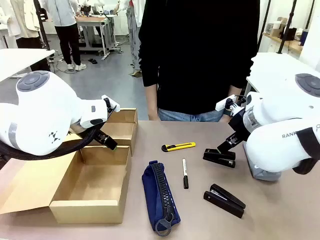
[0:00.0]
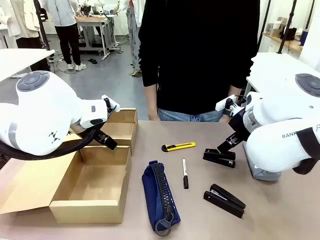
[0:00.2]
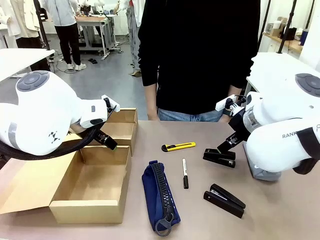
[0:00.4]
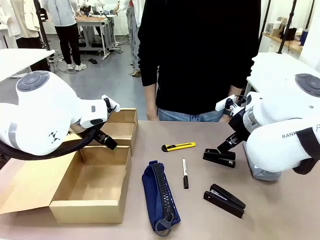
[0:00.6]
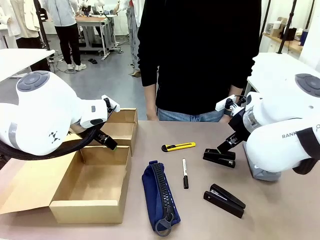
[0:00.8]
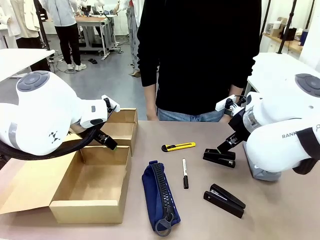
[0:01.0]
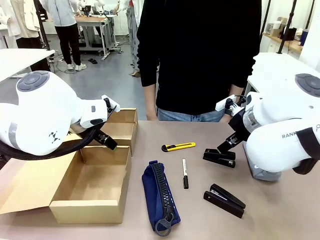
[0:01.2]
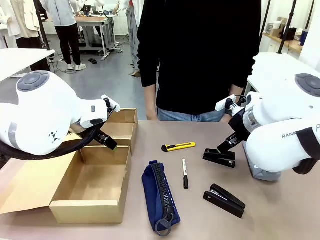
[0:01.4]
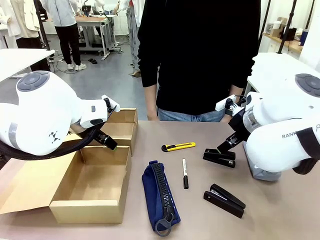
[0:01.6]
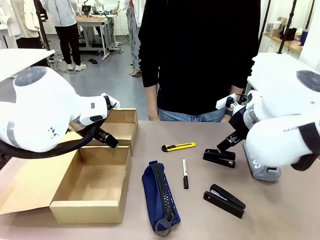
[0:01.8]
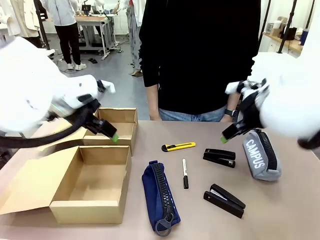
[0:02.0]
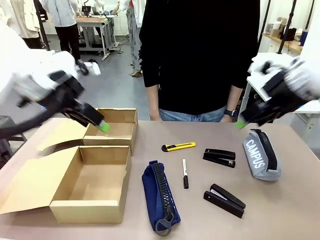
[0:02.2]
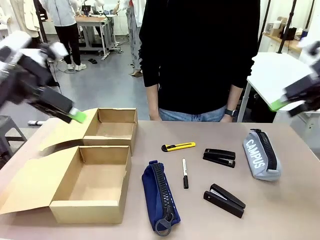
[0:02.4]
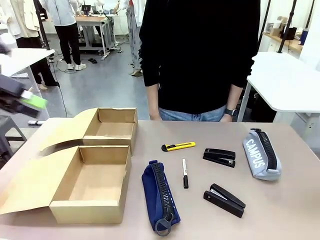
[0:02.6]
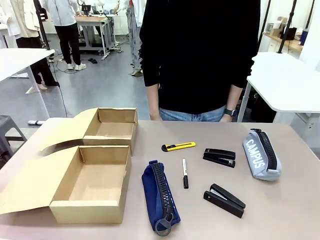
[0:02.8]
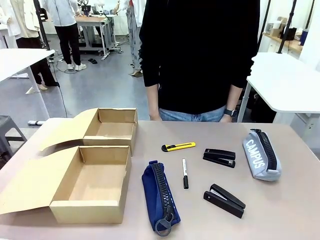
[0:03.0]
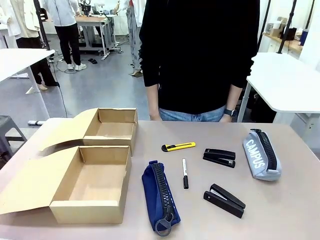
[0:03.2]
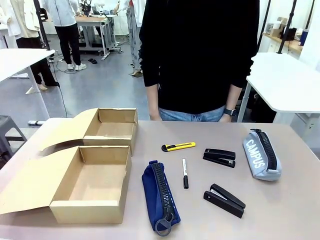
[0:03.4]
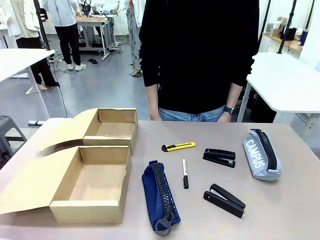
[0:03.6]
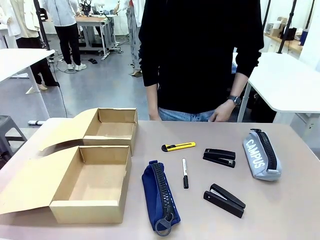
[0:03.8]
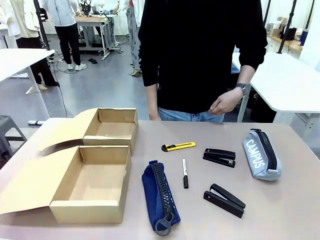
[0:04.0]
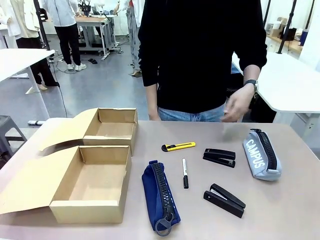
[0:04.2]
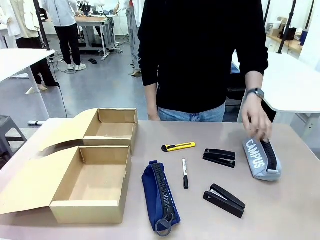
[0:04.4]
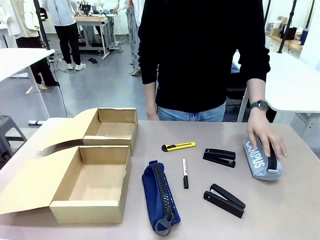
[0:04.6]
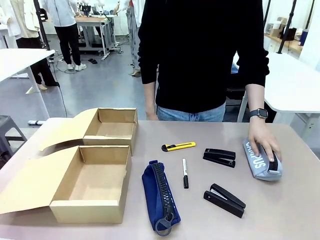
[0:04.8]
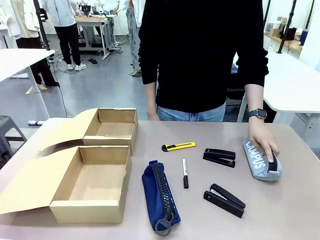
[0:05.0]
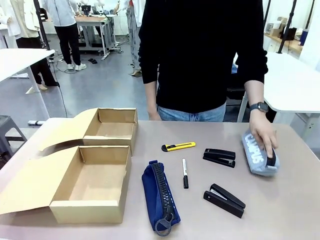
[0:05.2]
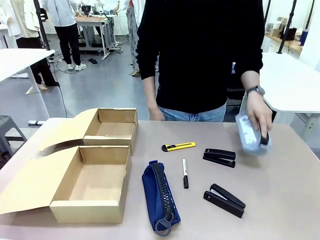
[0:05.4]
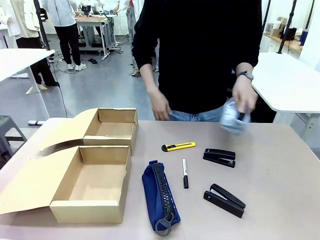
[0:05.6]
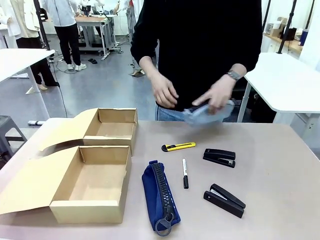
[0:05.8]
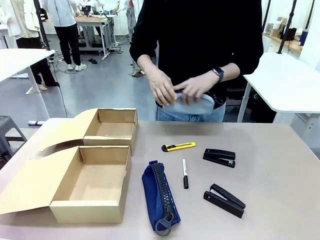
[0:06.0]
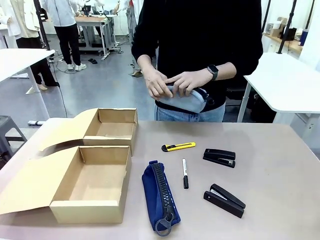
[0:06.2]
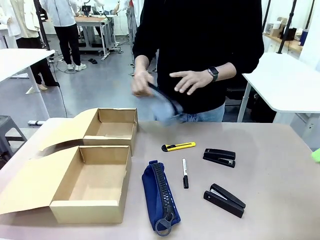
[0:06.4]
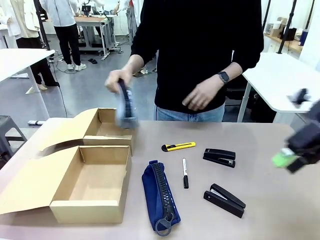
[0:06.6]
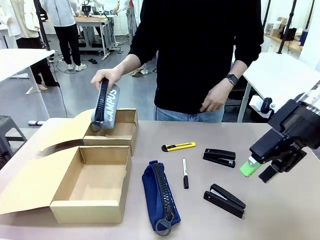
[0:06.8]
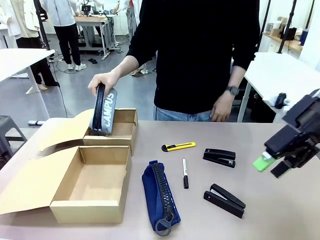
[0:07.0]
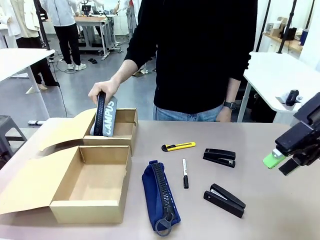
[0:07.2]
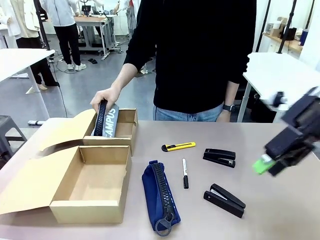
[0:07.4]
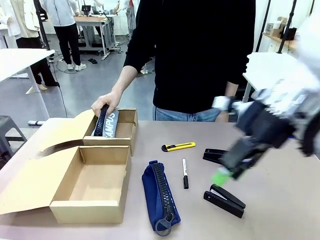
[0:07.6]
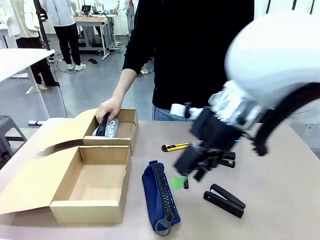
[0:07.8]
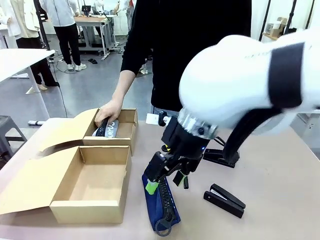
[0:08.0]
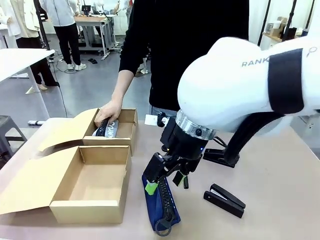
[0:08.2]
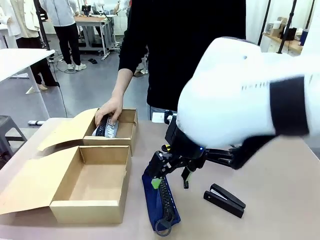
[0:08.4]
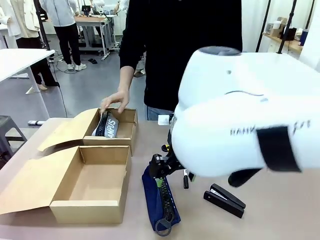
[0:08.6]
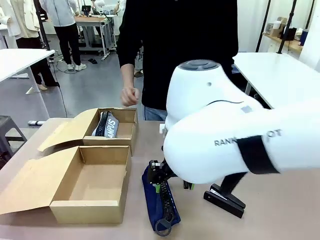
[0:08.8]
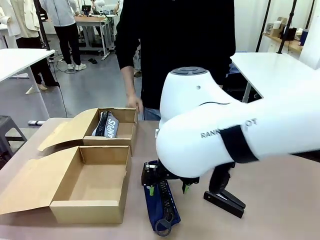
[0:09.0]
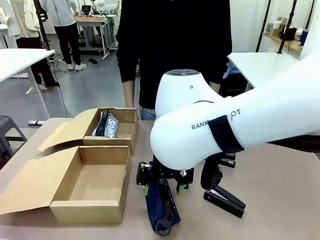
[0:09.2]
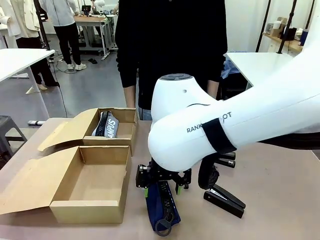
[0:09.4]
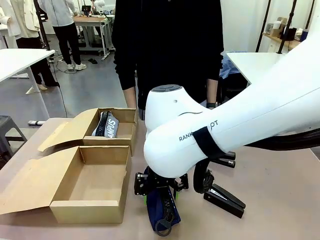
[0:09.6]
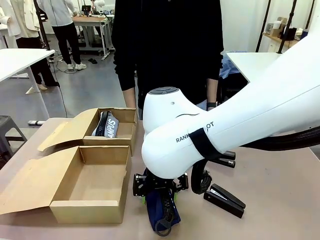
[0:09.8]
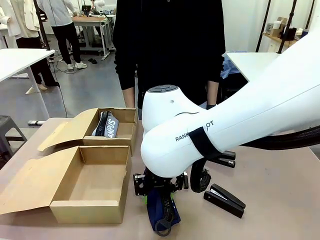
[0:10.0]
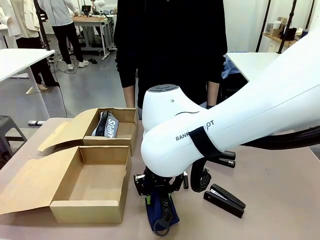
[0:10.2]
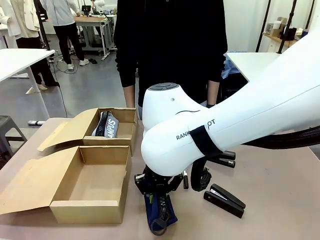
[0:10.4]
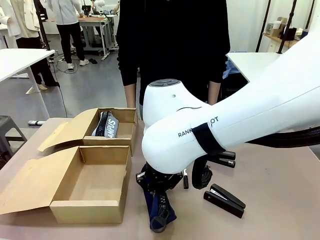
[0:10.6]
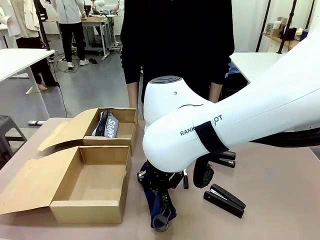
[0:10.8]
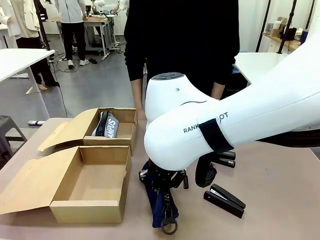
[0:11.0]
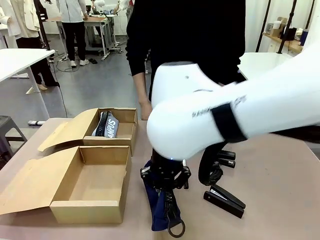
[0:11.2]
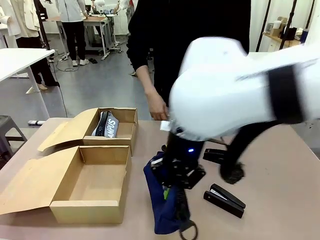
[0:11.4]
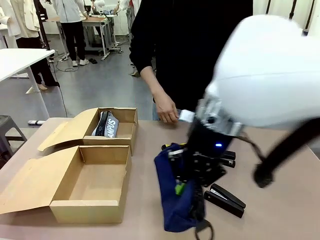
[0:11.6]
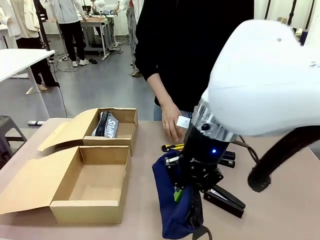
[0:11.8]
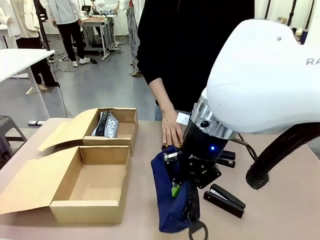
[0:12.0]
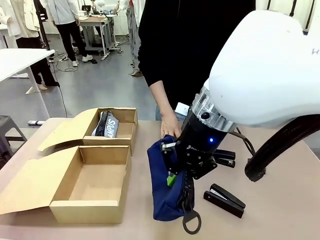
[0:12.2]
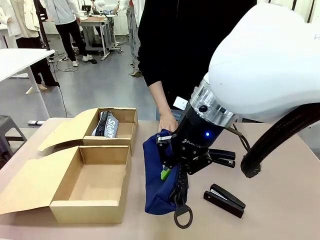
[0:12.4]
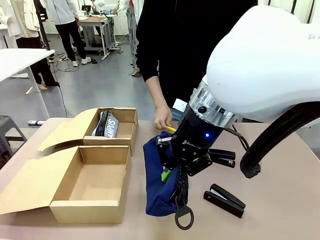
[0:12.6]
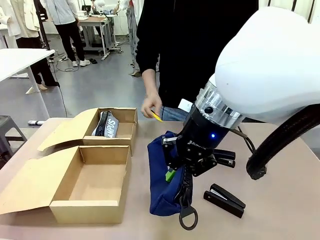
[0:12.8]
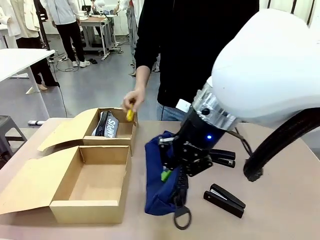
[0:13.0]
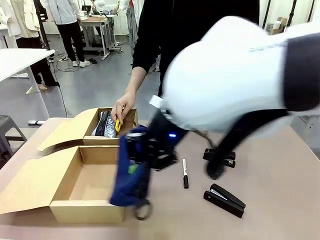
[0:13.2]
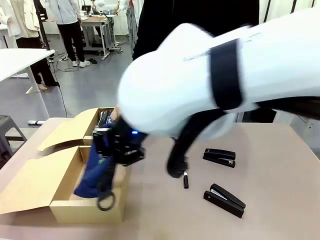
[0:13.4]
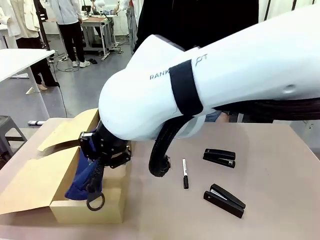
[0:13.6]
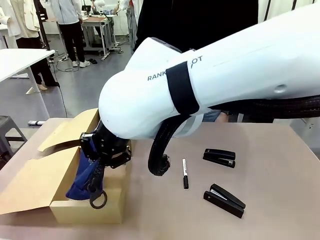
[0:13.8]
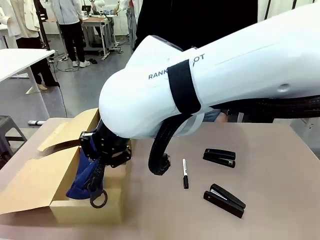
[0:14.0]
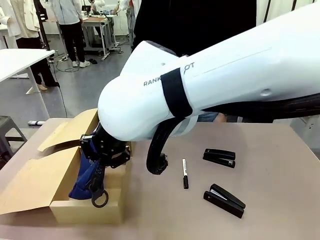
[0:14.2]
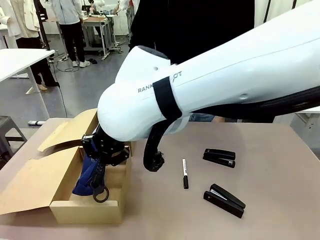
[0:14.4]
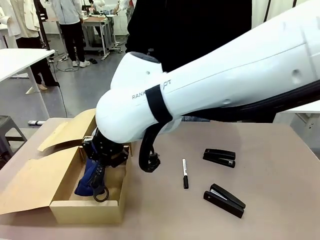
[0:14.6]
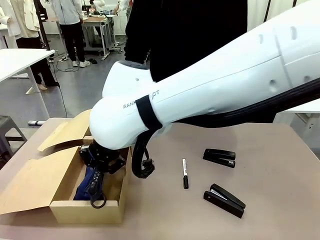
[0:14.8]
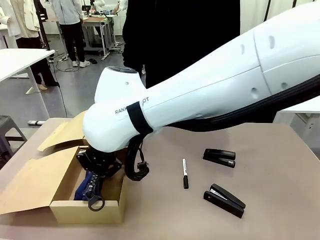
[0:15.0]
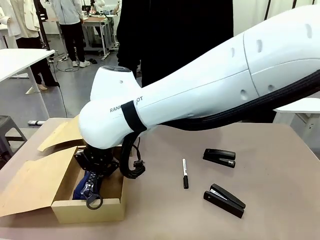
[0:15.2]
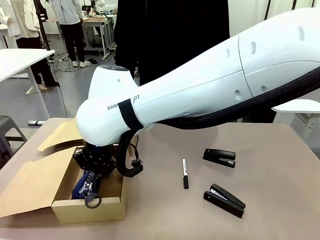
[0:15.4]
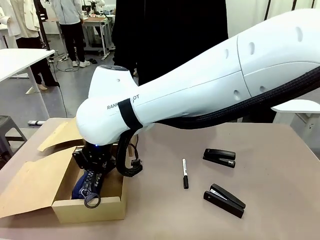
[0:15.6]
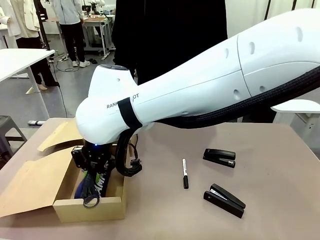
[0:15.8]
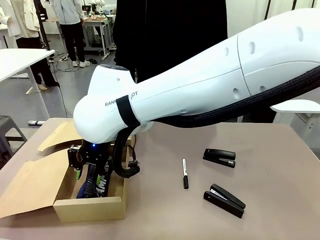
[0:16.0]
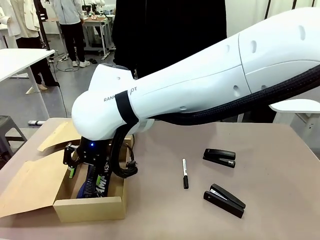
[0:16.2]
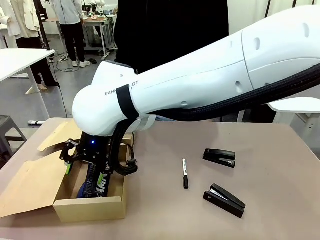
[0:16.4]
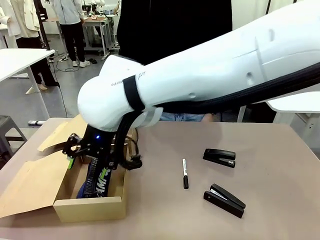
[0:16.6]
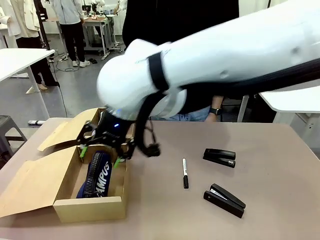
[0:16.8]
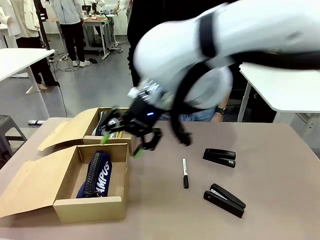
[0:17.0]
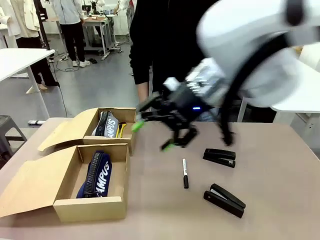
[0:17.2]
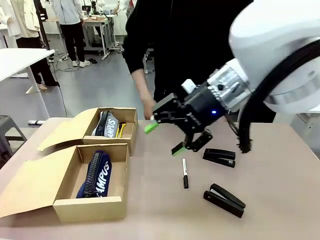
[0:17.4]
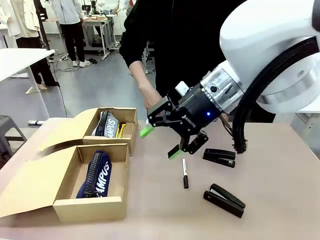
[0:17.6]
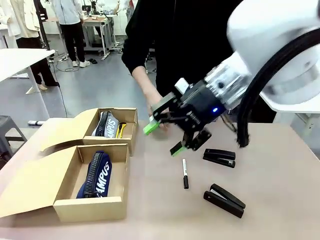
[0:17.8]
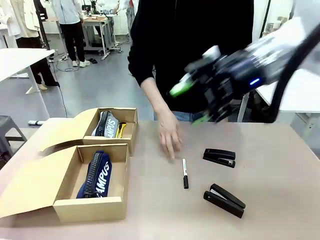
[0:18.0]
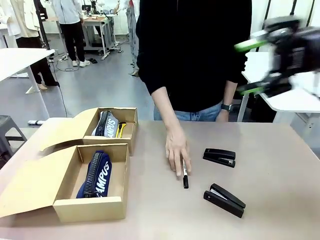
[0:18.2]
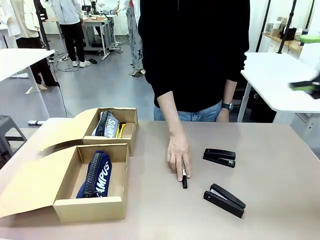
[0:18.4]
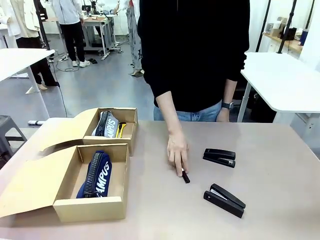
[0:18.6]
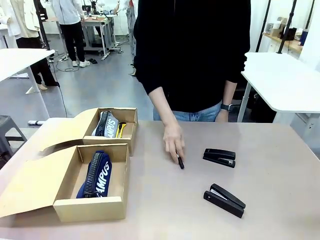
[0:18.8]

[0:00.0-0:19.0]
Task: Place items inside the box.
Robot: Pick up a Pencil pouch or Stapler and place it inside the Mailer Box closest to the robot.
Person: Pick up an object on the table and put it in the box.
